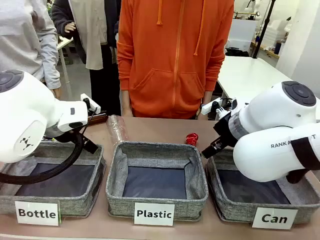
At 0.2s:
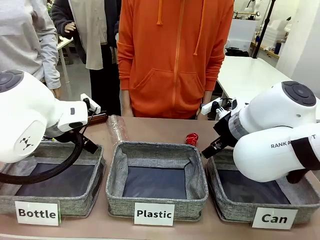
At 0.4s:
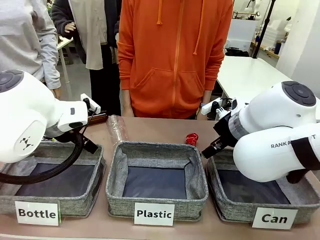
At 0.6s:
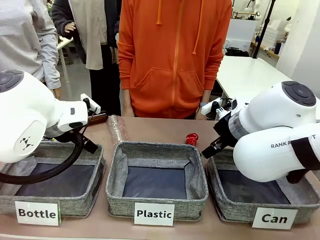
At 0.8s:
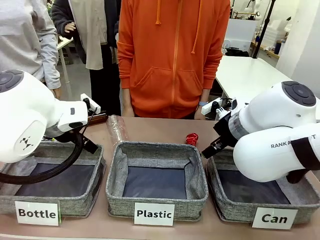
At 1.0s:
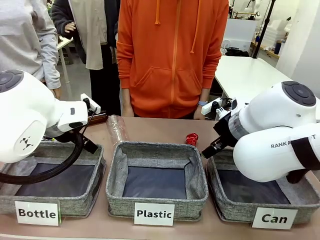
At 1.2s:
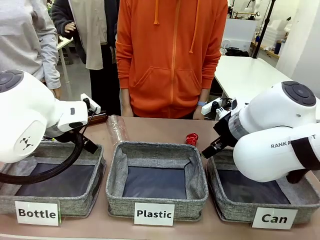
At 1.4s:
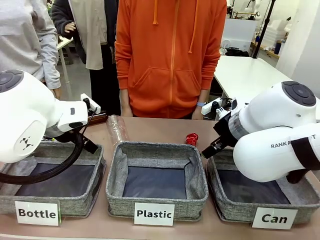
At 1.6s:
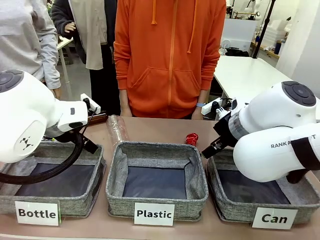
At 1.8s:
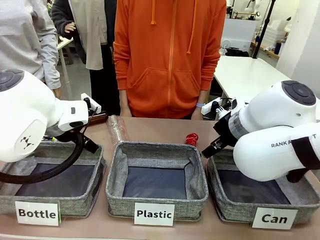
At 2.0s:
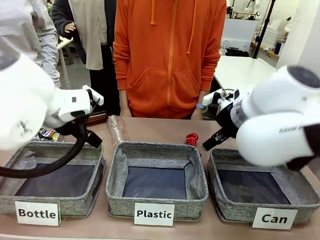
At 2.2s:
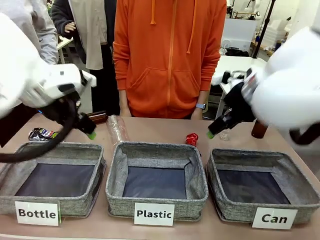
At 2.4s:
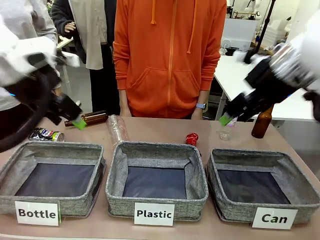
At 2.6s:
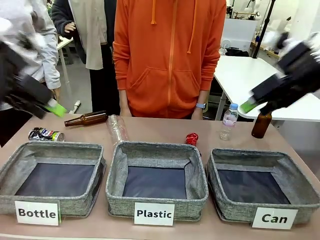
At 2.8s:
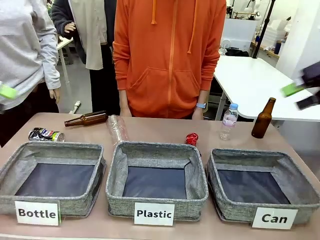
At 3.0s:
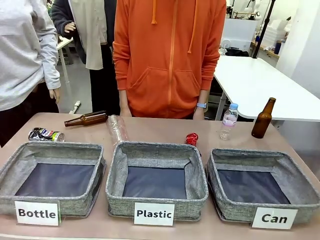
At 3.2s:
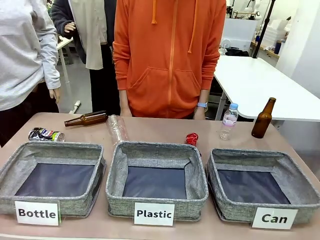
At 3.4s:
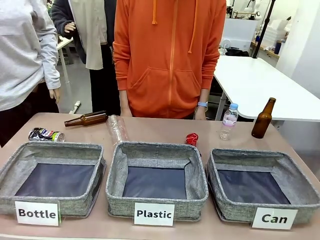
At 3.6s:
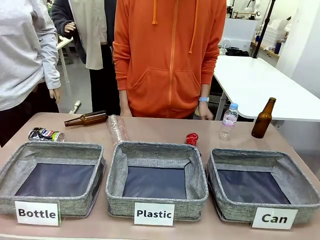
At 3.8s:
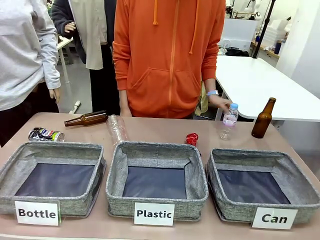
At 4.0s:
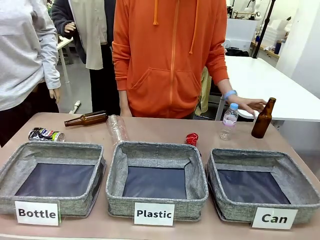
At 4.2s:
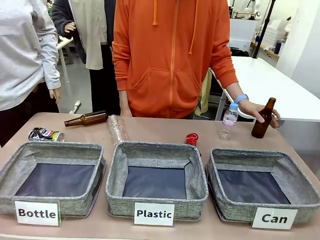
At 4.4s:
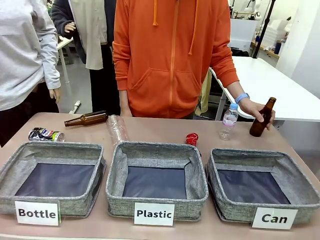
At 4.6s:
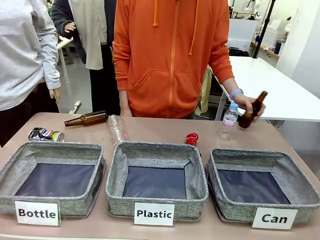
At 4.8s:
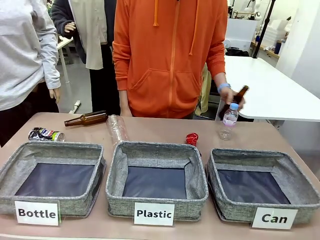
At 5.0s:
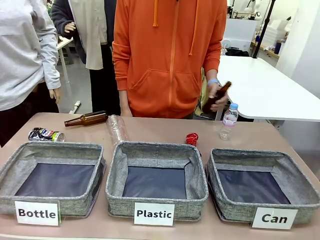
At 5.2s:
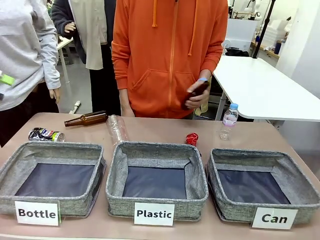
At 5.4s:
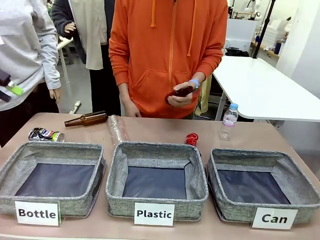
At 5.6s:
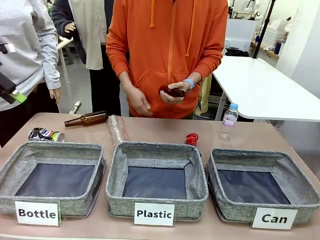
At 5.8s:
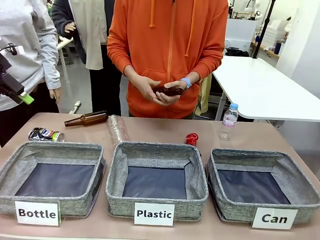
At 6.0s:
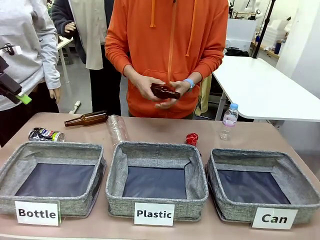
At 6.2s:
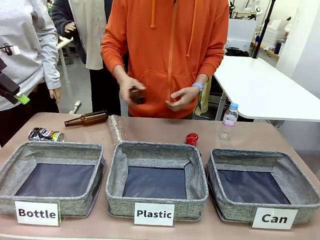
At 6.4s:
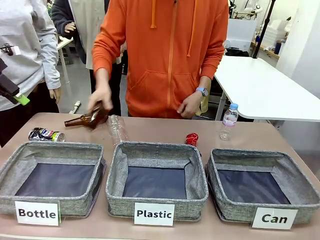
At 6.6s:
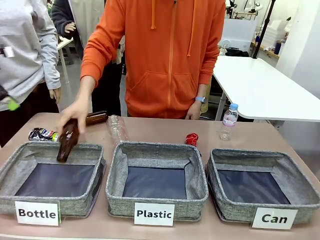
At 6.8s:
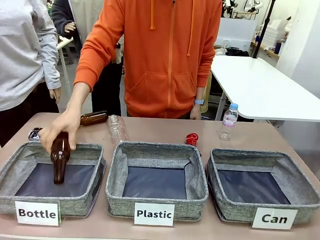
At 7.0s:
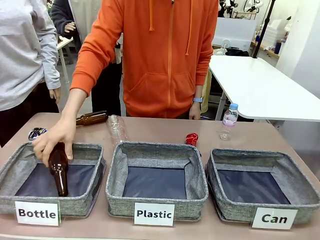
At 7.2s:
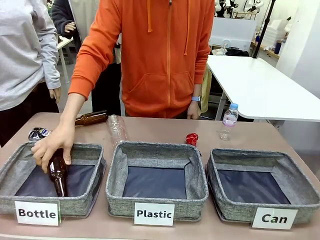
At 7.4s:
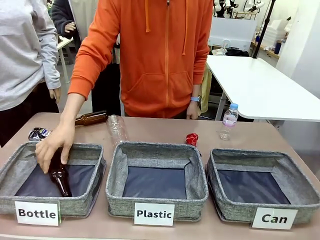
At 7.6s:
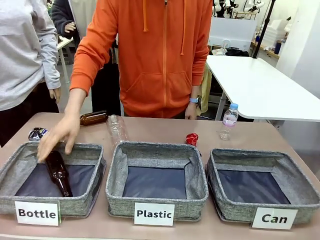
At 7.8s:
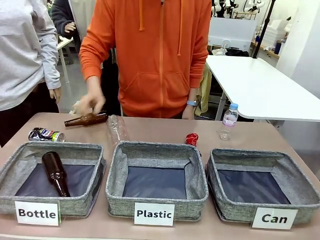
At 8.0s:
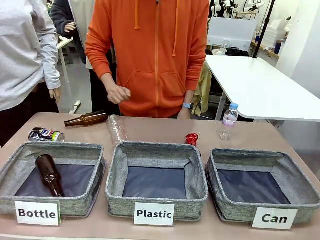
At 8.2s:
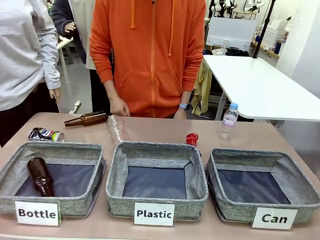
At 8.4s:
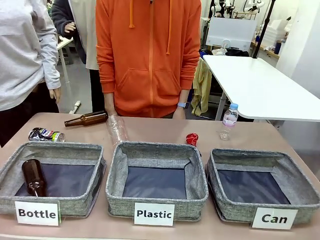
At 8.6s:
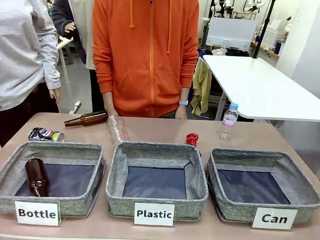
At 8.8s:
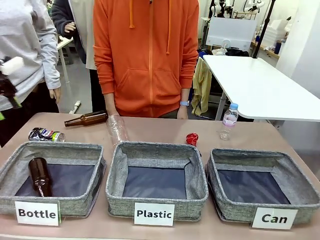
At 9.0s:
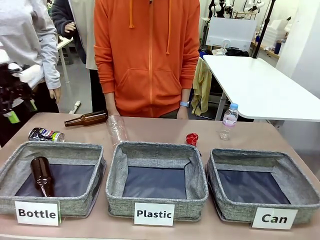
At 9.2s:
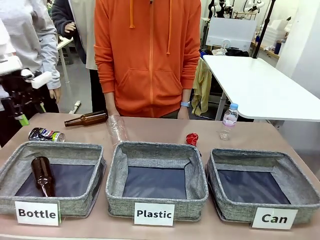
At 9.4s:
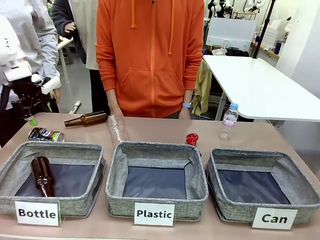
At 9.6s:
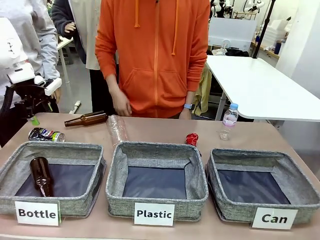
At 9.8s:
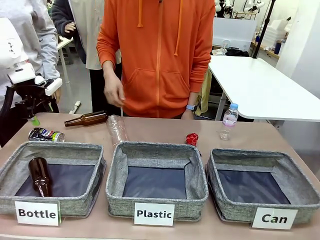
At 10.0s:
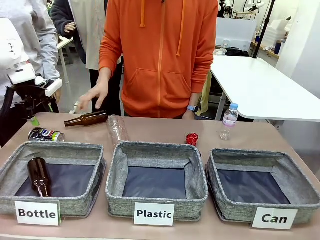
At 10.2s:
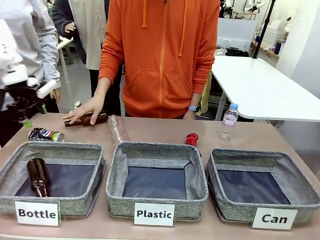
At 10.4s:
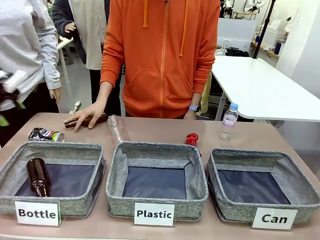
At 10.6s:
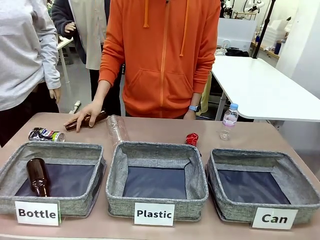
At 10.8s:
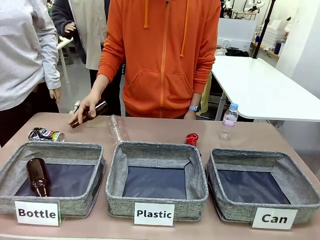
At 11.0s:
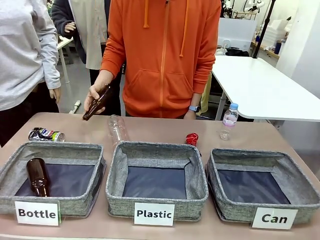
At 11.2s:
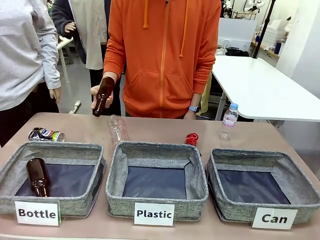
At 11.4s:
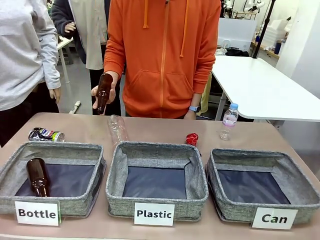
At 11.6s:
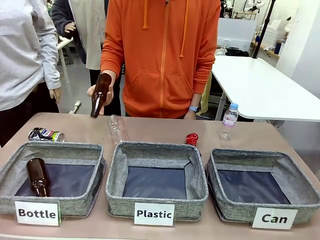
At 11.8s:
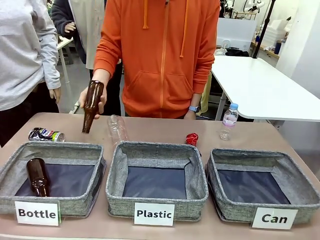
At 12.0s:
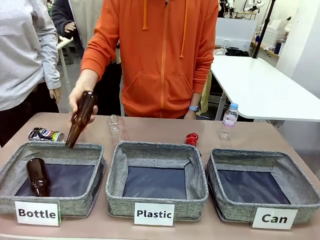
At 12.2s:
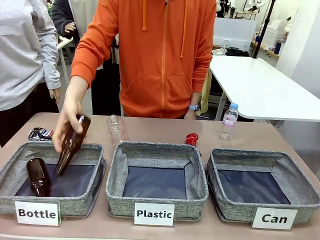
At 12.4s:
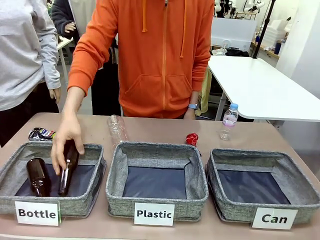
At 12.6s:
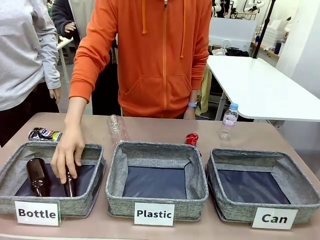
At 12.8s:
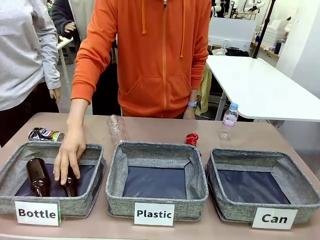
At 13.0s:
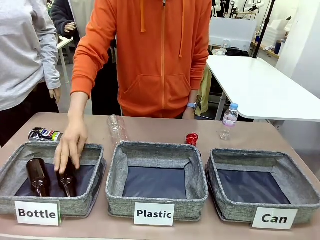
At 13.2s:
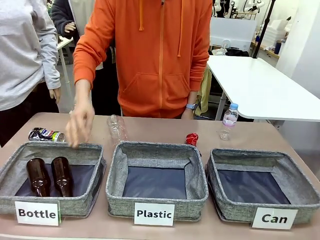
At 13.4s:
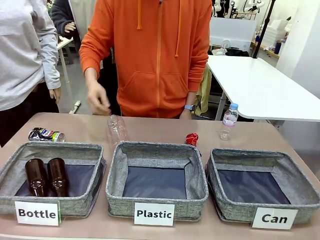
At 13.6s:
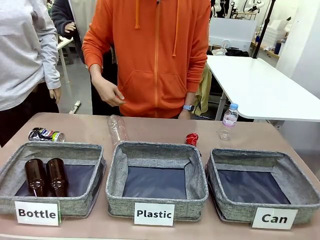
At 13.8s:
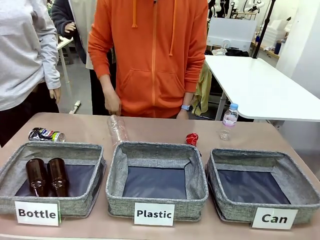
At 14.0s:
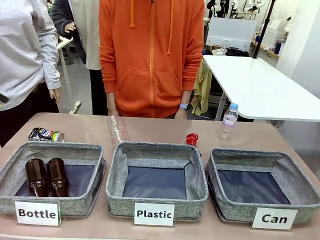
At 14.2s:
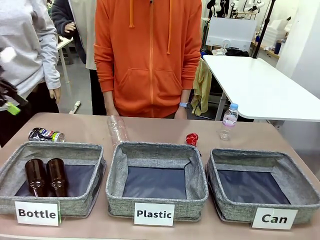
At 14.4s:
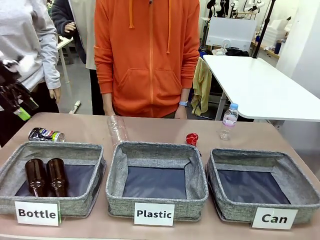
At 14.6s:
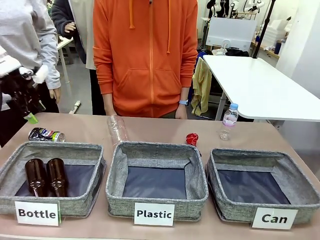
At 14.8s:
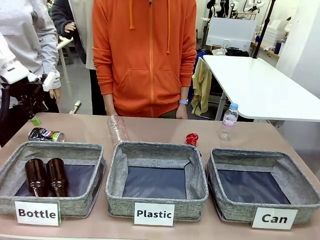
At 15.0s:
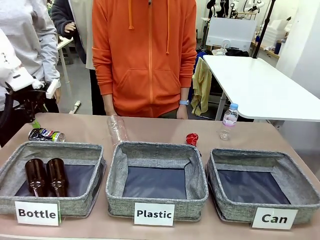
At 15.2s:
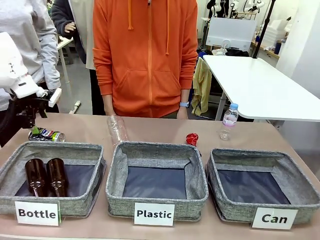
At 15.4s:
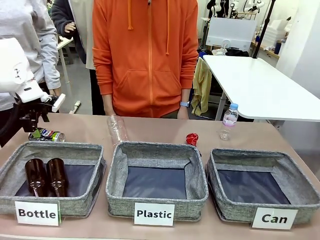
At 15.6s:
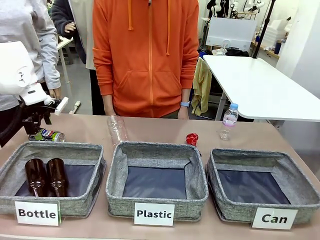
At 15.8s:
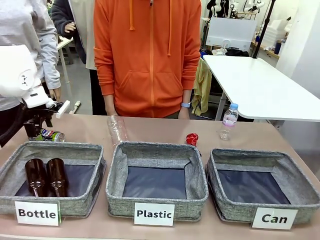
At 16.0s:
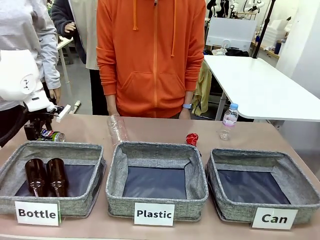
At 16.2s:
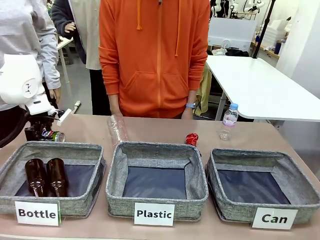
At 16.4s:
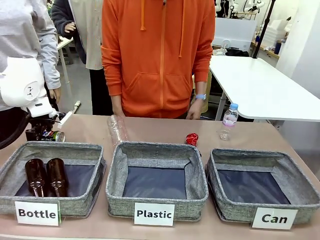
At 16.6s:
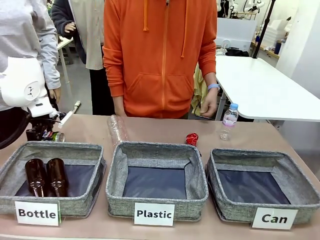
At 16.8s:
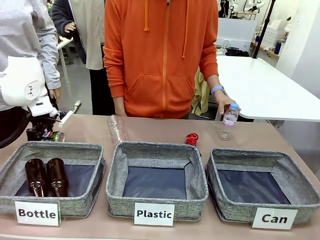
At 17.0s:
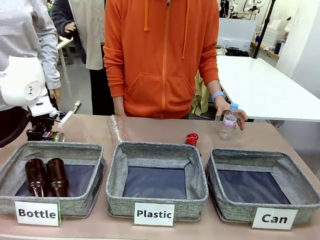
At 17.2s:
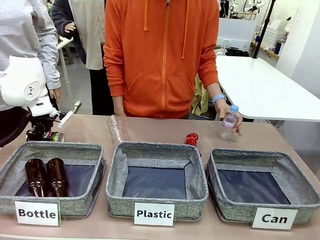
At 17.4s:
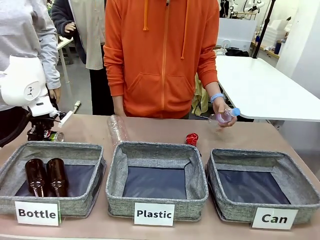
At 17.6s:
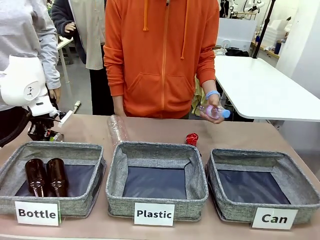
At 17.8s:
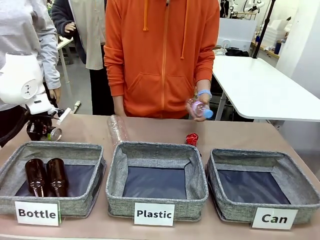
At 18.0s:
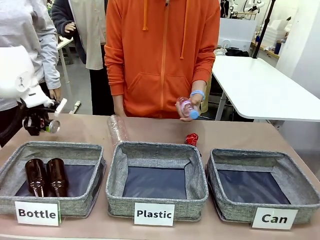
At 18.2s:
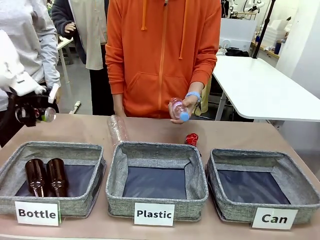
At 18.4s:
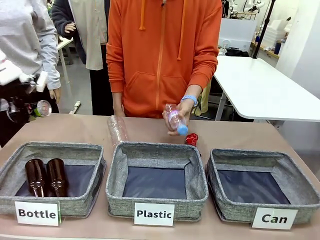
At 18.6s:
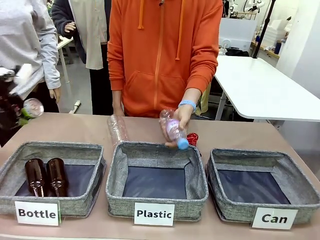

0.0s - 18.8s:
Task: Sort the can waste into the basket.
Robot: Pick up the can waste from the table and place it in the right Fabric basket.
